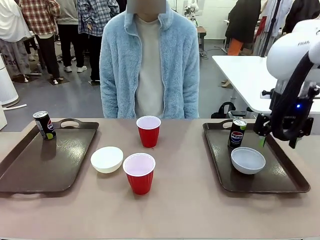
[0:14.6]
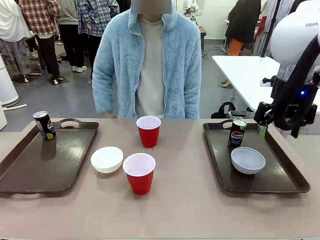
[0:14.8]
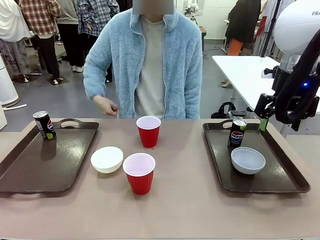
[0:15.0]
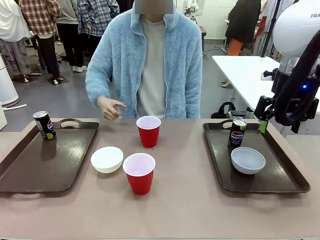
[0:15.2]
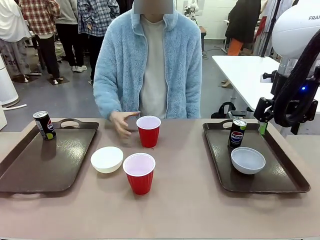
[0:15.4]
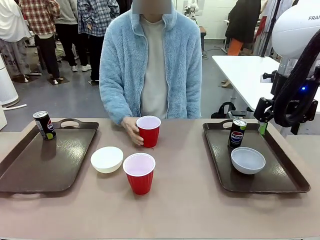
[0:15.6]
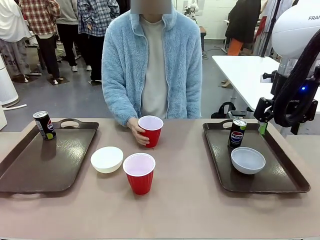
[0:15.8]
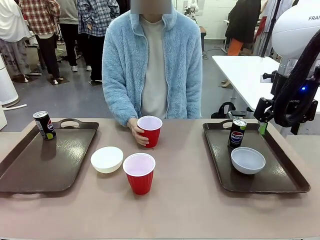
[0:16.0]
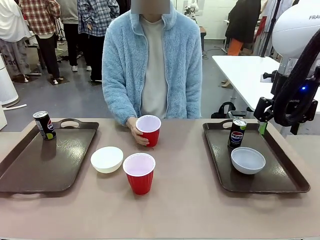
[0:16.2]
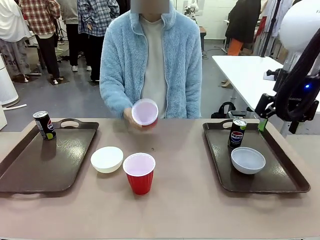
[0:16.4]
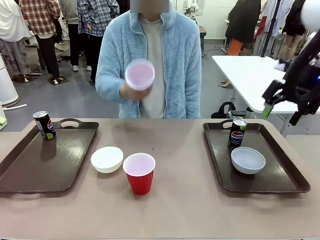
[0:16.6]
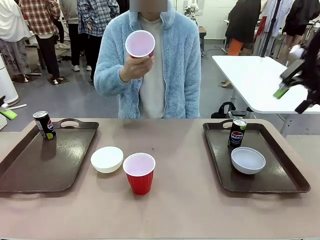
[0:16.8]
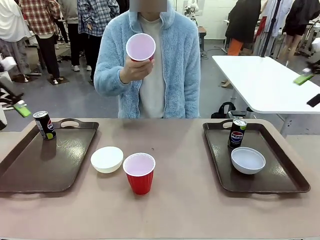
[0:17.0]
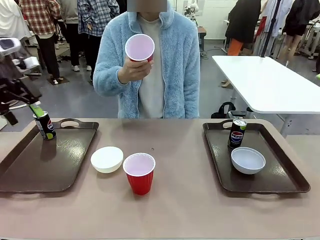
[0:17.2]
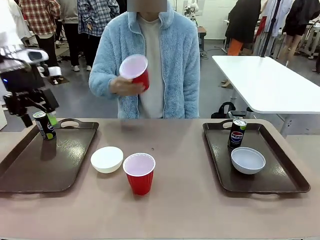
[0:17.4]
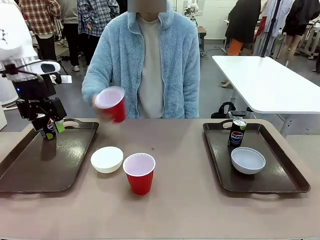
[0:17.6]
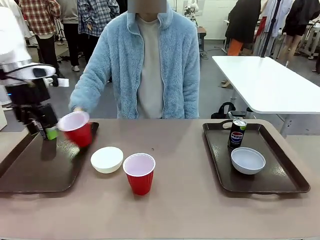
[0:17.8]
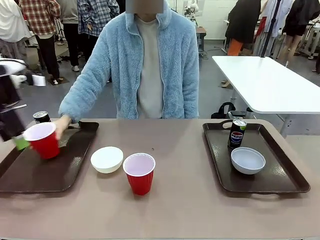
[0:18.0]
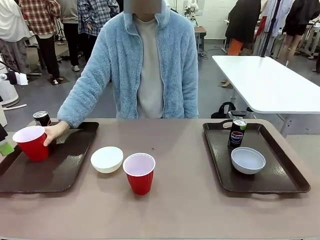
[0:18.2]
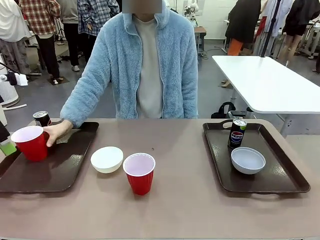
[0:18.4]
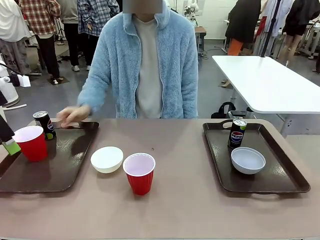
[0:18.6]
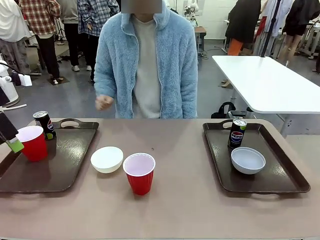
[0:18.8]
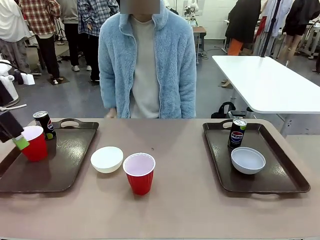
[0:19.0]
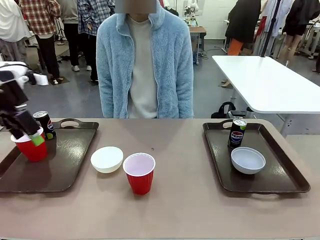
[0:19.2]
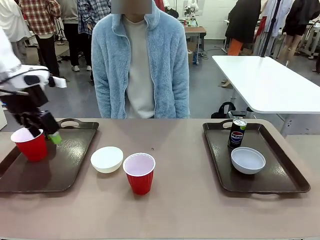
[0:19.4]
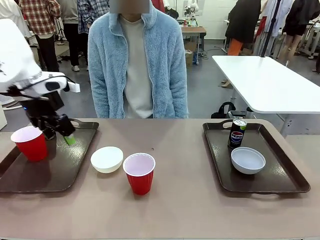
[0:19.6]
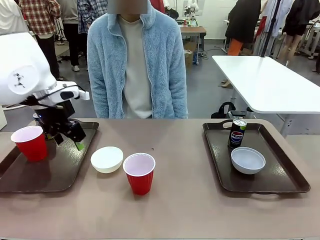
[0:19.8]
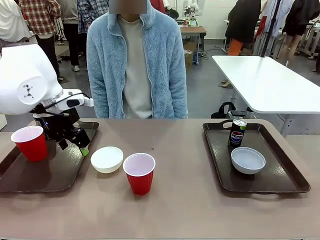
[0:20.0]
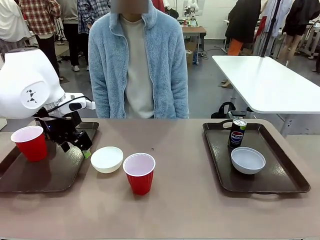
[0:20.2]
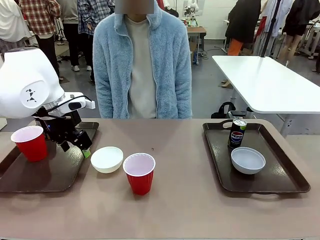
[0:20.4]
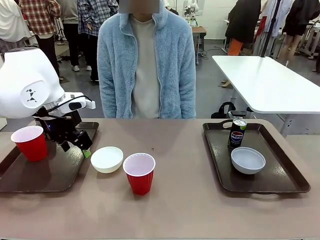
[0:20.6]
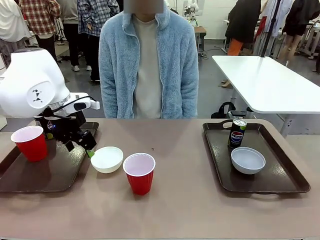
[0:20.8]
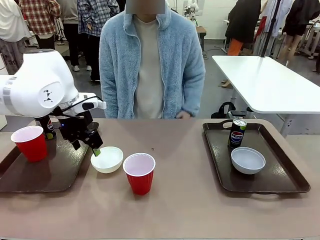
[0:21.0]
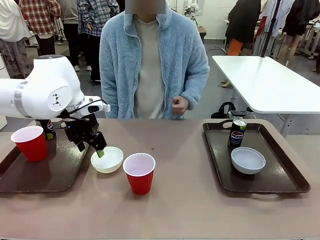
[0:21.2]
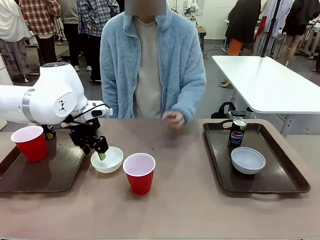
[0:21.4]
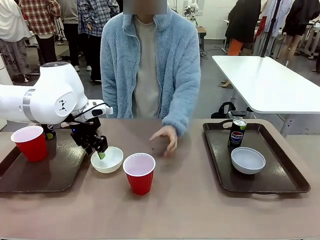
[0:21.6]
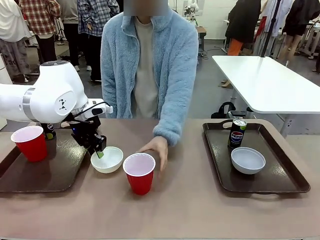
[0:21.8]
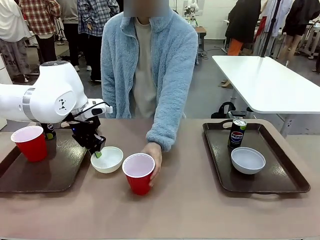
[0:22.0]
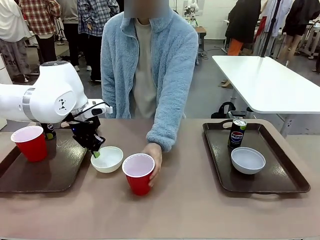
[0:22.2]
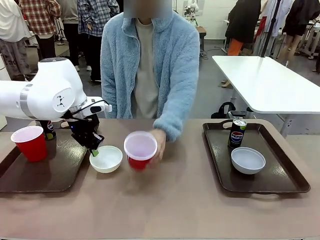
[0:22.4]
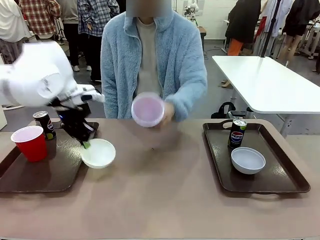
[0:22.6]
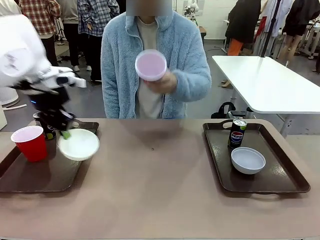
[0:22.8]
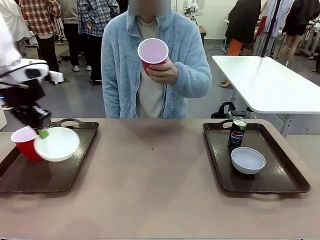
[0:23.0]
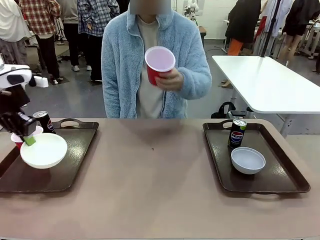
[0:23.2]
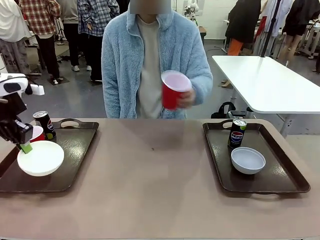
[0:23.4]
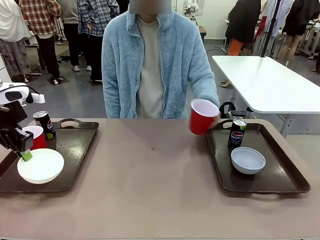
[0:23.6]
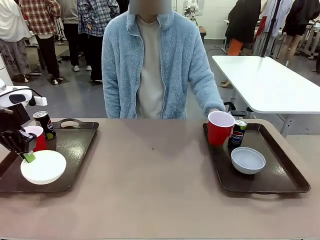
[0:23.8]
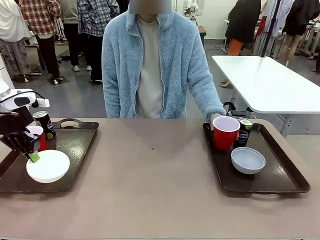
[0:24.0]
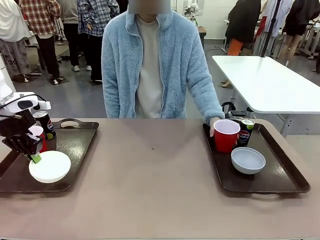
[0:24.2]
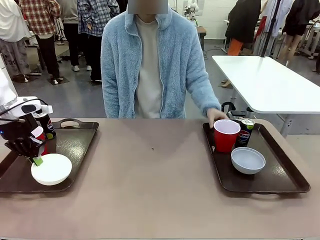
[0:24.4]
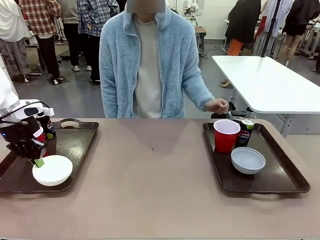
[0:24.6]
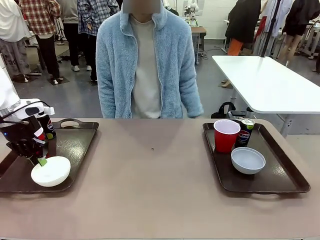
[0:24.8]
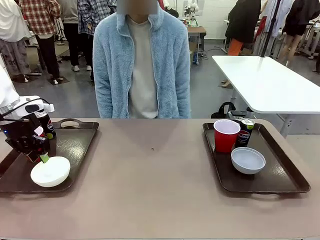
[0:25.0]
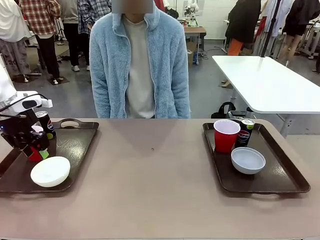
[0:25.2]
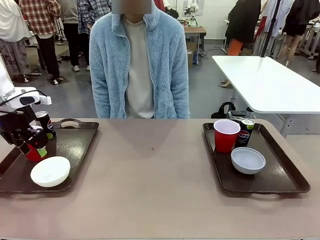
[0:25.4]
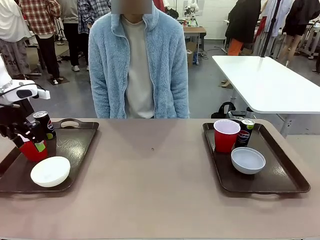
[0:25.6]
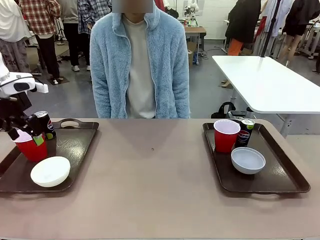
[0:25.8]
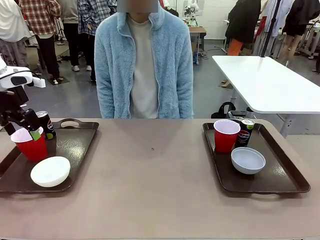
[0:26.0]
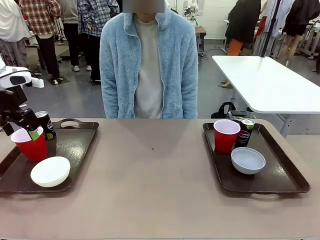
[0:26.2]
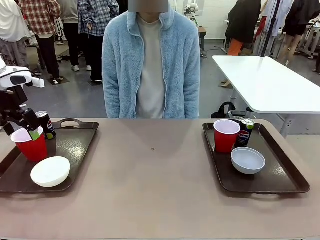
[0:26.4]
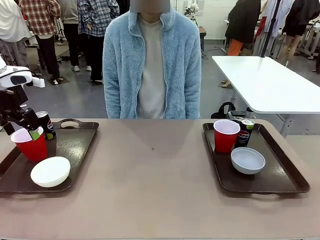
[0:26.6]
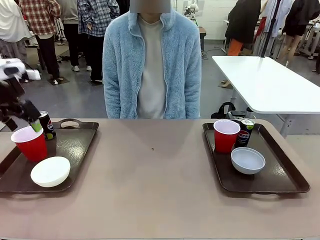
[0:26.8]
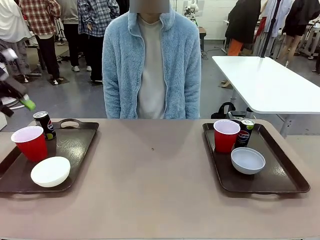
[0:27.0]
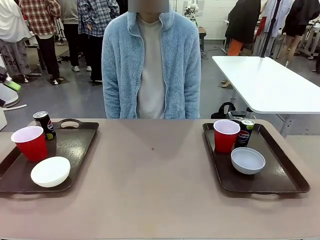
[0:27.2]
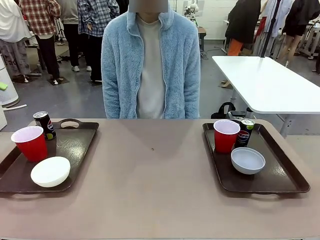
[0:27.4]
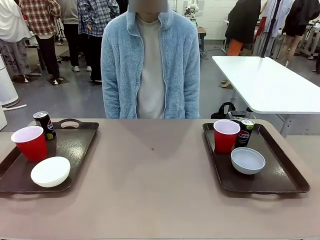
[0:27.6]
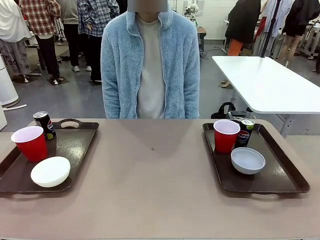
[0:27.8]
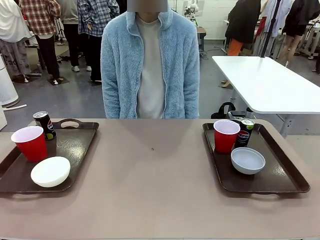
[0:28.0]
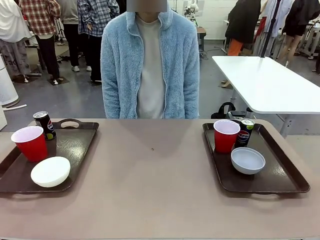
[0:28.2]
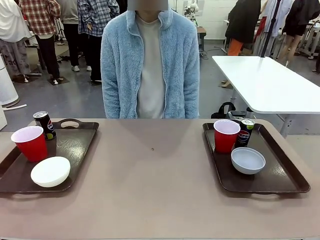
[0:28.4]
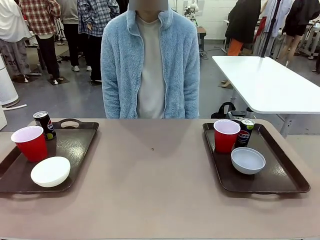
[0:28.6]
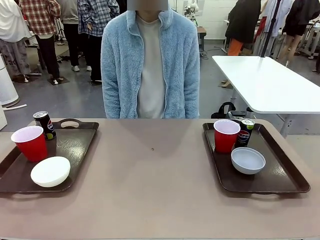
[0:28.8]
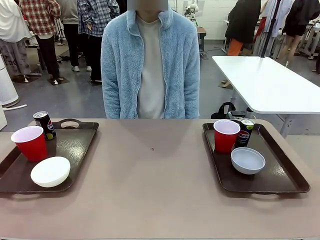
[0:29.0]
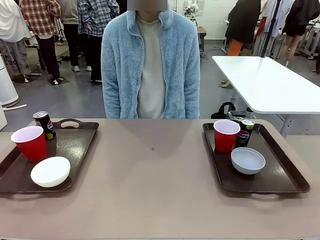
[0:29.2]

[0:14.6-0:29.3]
Task: Prepare tableware on both trays.
Robot: Pick up a Picnic Bowl from the table and place it on a Handle tray.
Person: Pick up a can or cup and place it on the tray without a can or cup.
